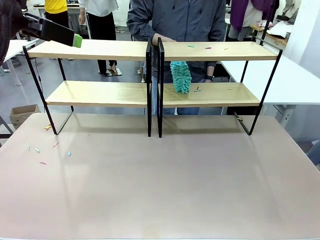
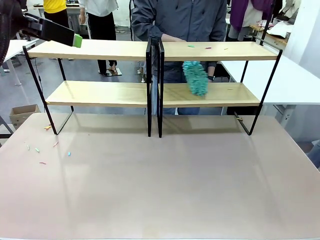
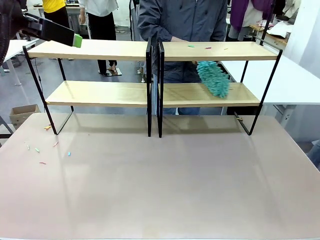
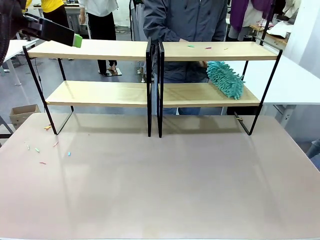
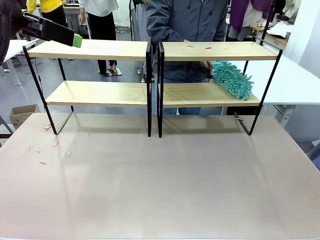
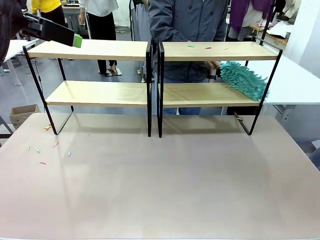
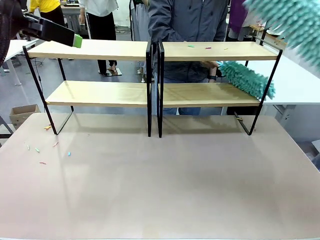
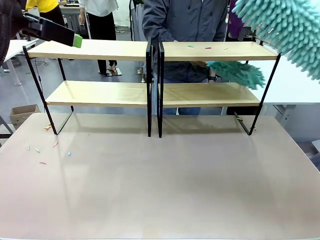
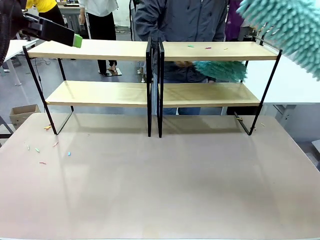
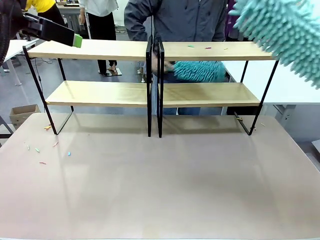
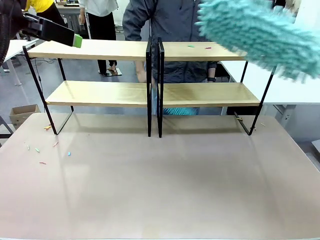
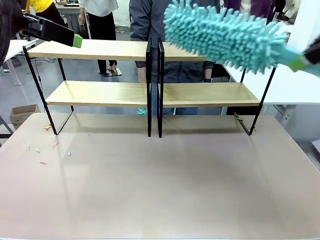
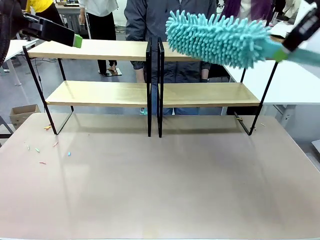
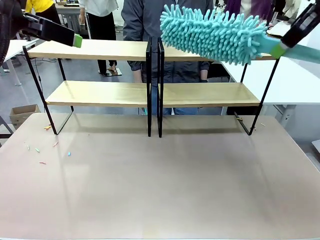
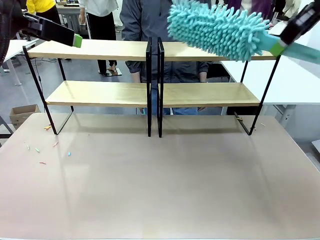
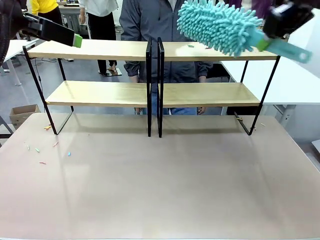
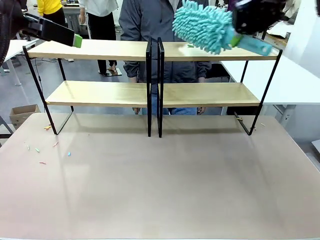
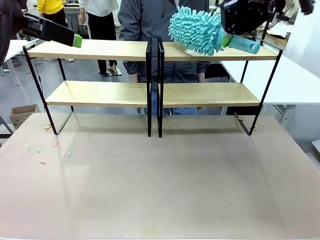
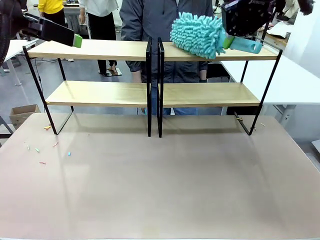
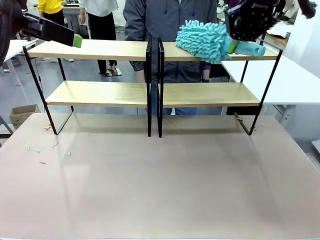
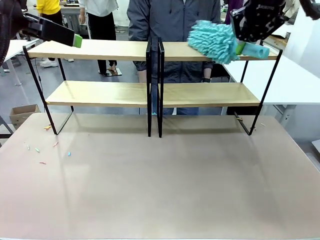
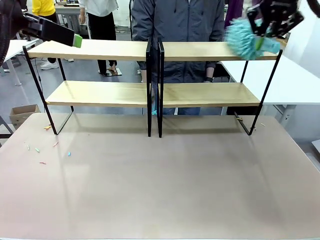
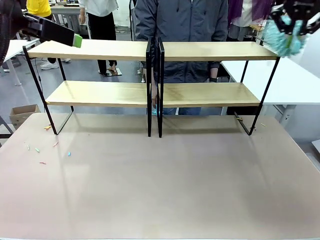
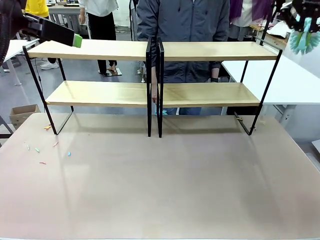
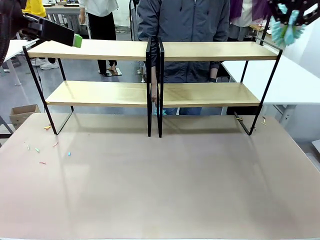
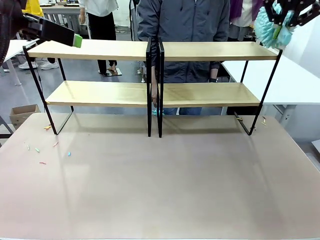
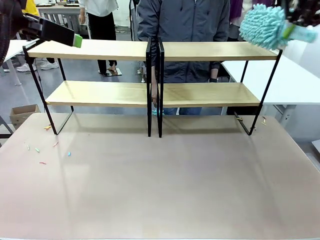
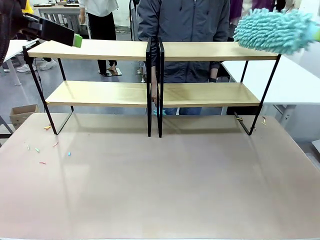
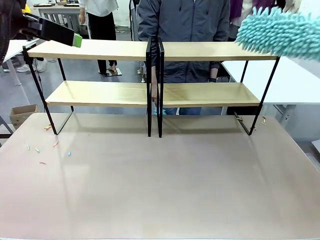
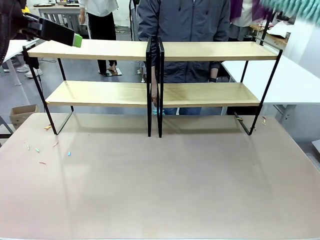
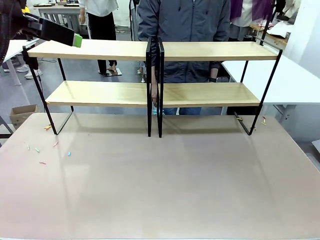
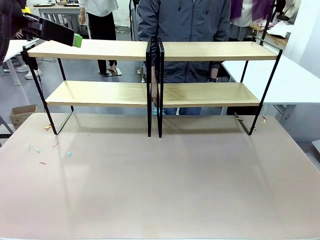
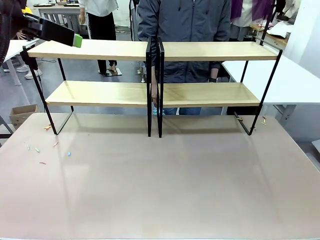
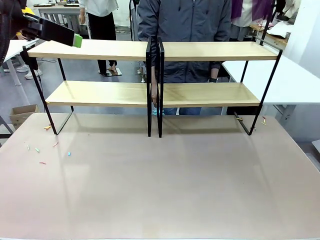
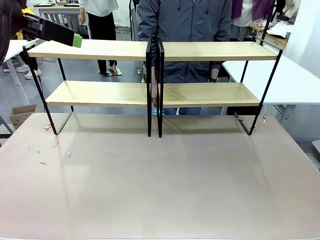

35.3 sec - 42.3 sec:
Task: Clean the shelves.
Robot: Clean another randomly selected level of the Shelf with the Duster.

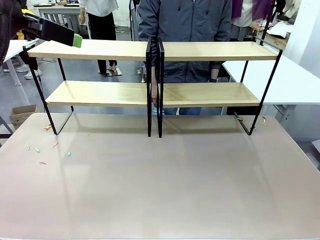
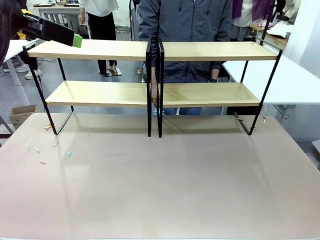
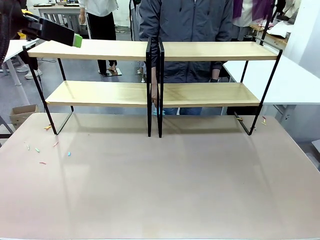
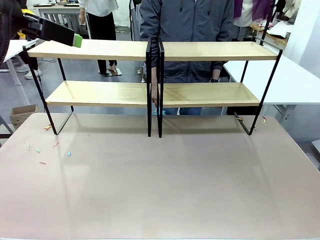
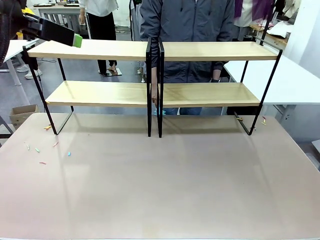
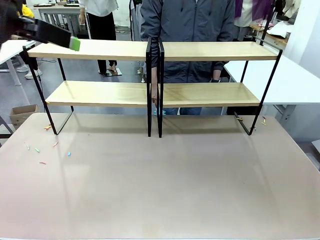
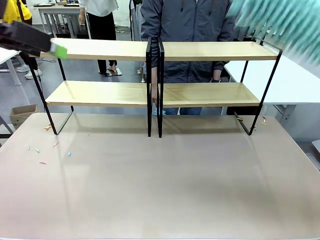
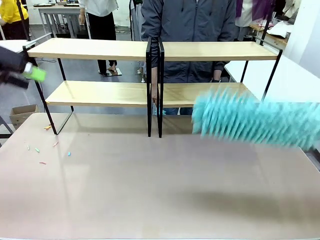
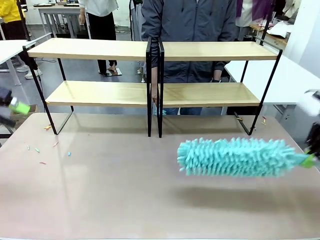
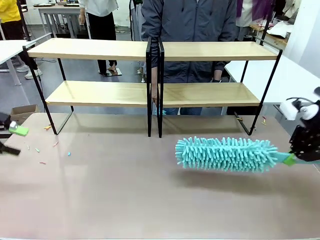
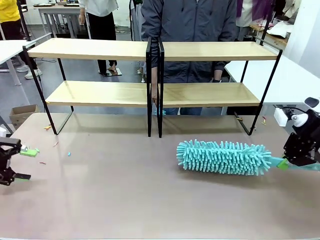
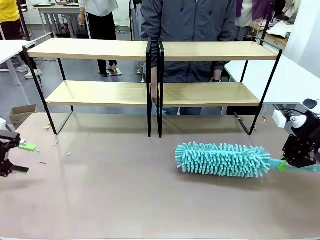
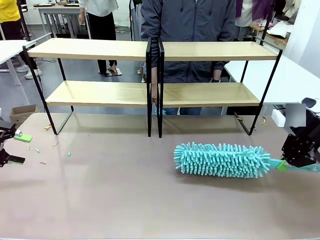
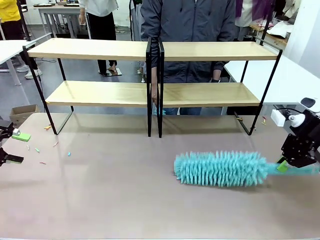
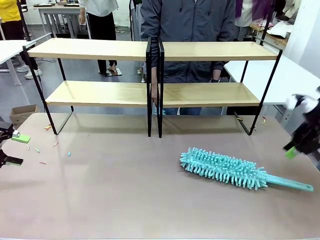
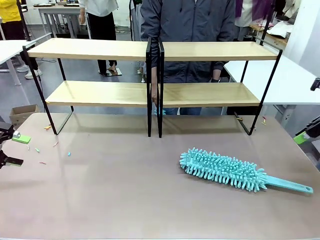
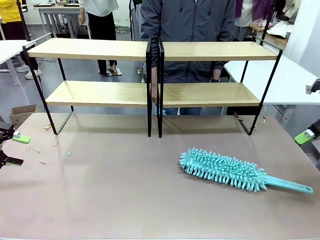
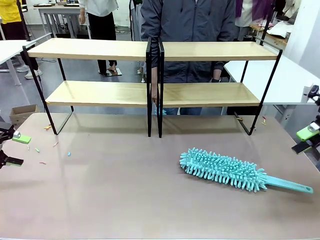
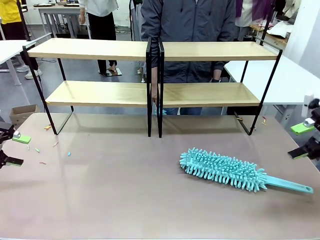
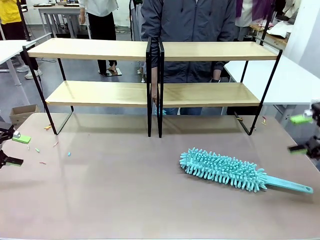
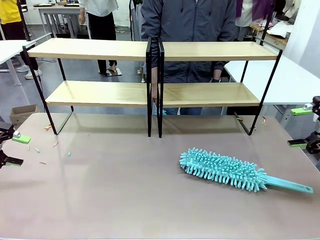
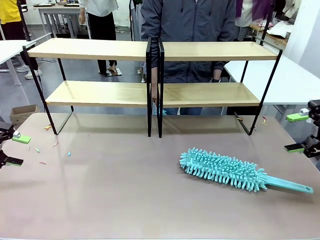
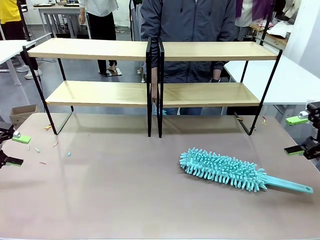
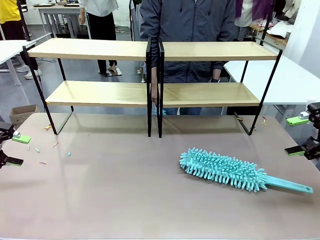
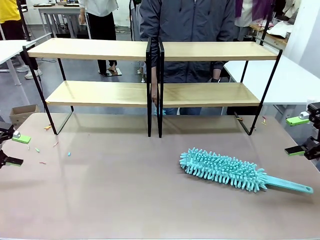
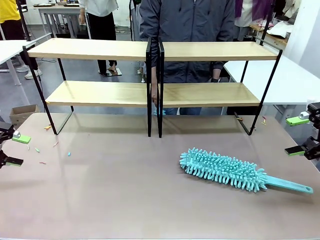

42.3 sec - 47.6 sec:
Robot: Place the Duster on the table.

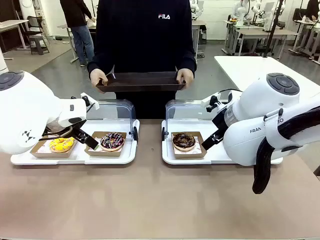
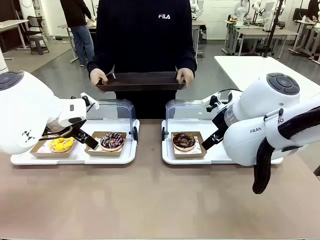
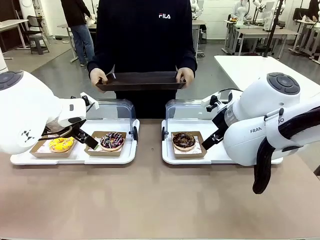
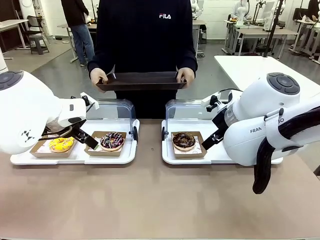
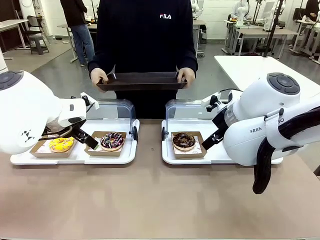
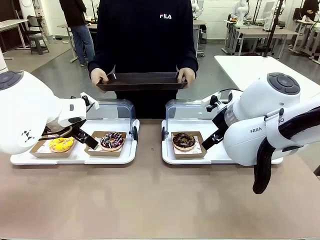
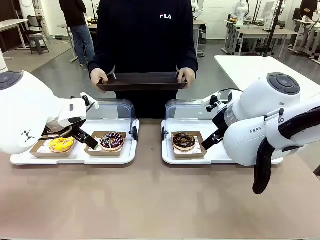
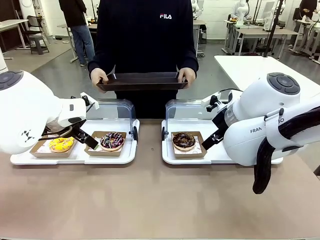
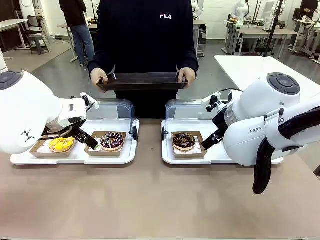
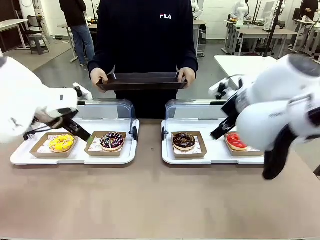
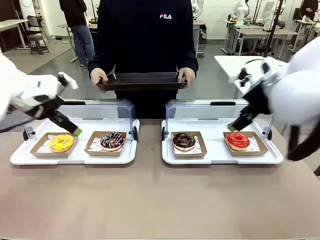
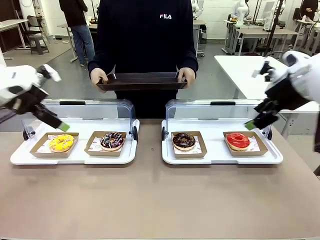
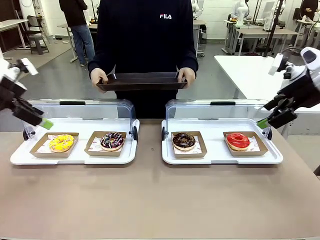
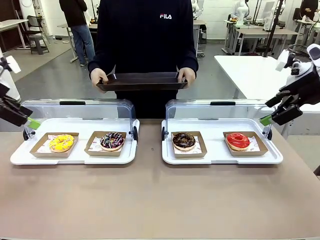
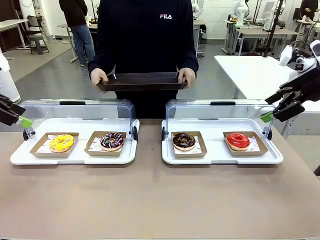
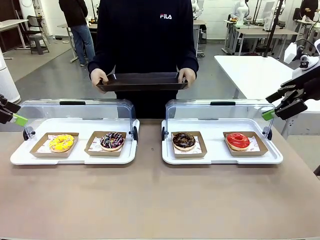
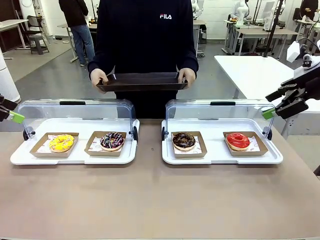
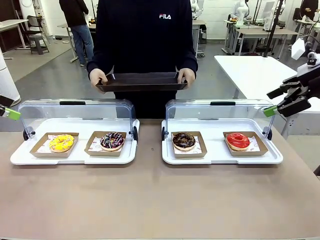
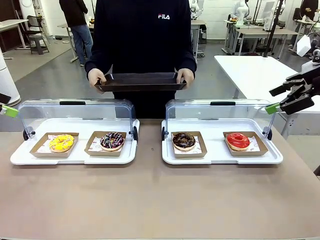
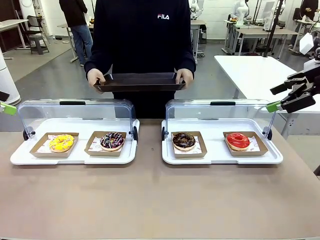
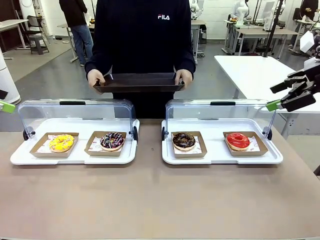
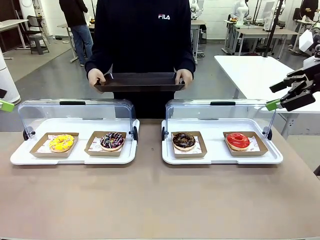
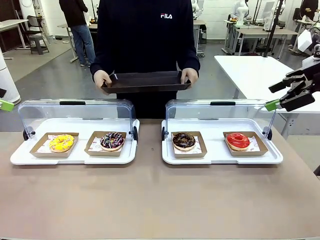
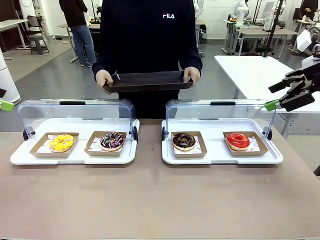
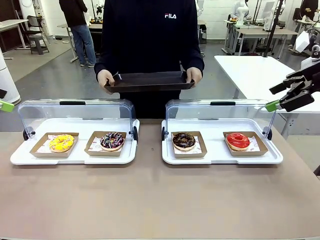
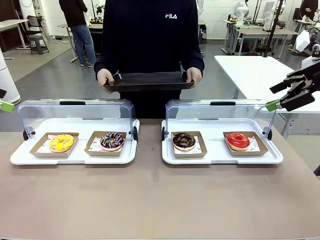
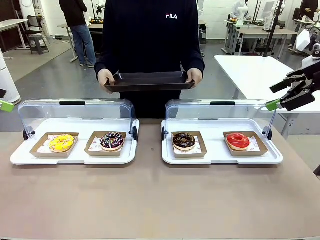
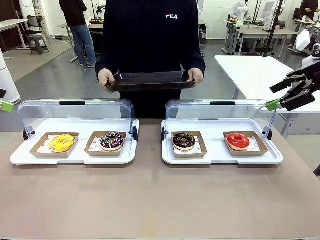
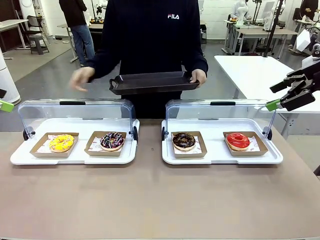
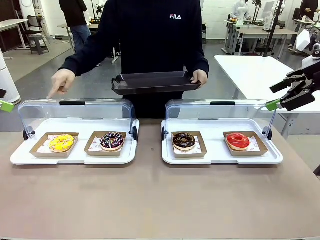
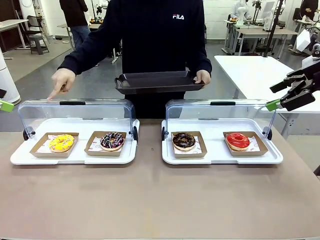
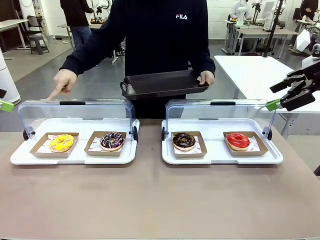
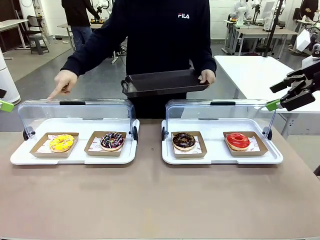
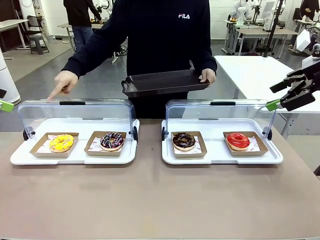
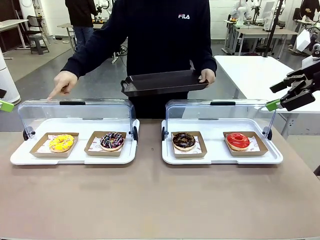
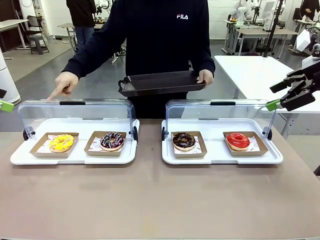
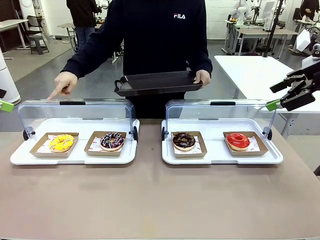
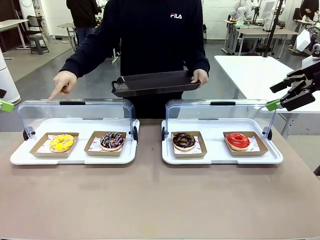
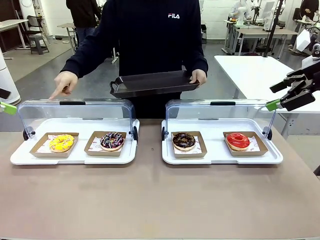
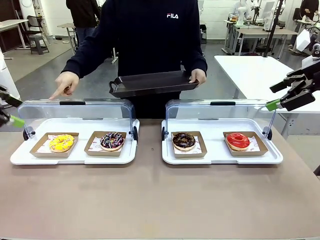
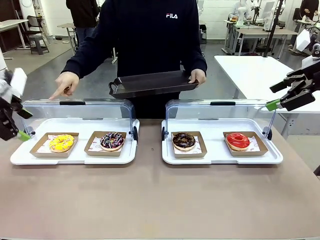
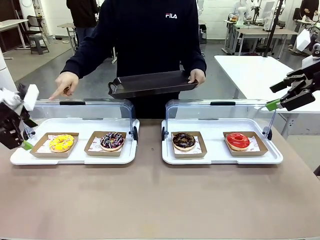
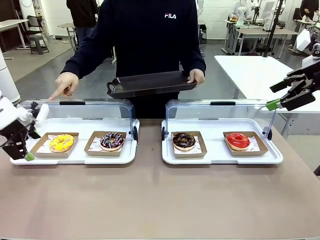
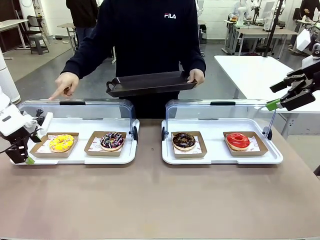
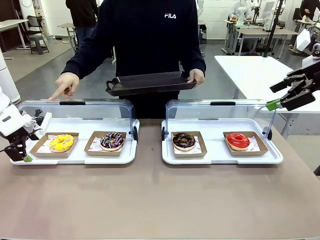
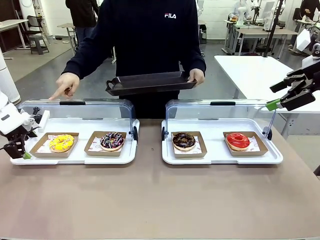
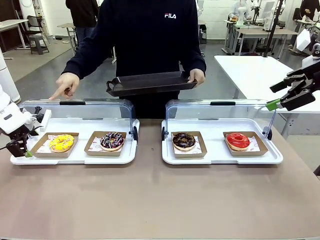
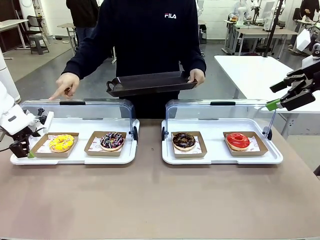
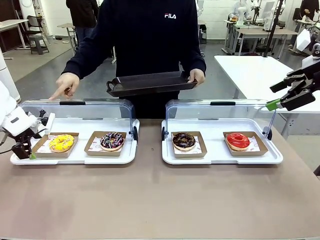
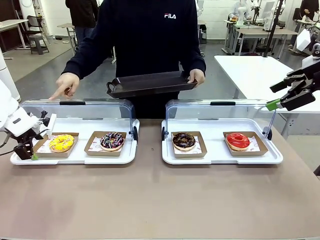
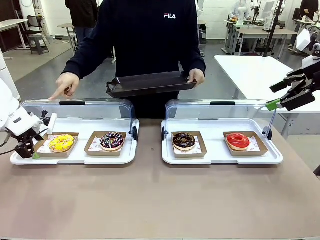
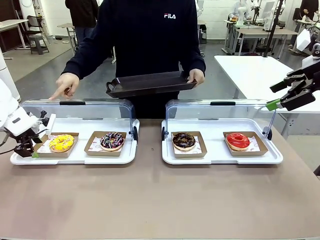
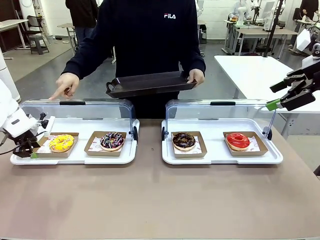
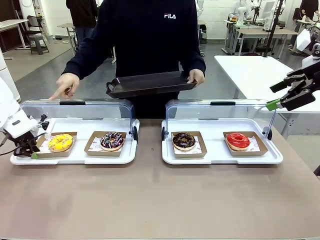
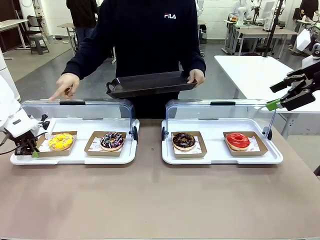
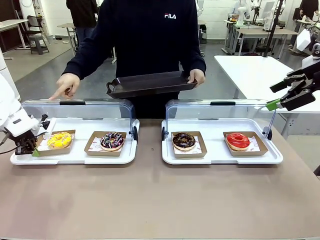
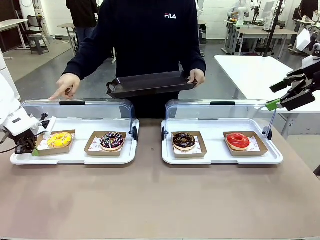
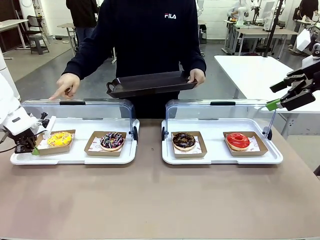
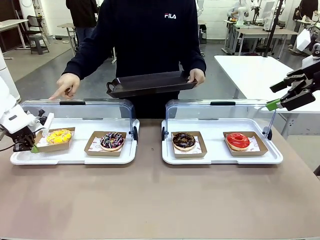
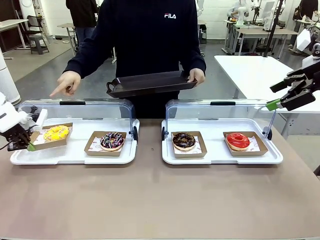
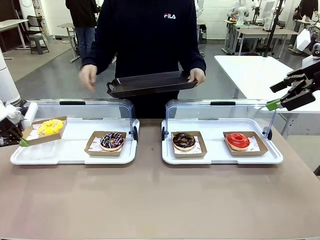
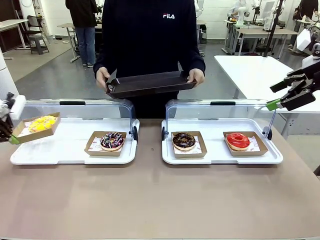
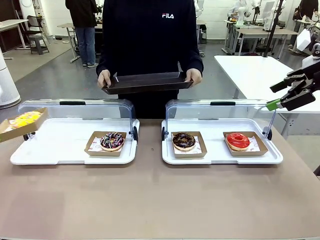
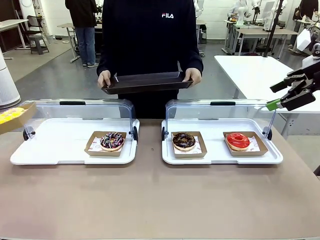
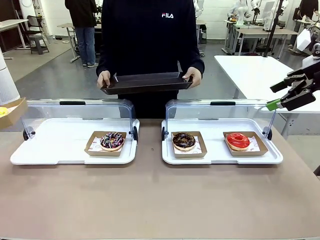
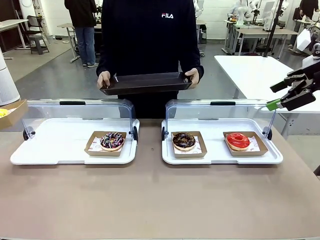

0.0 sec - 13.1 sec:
Task: Provide the desired donut to the person.
Robot: Pick up and lift the Paper togo box containing the Donut pointed at by the person.
Person: Point to one donut. Lift the tray onto the Roll-Top Bakery Case.
